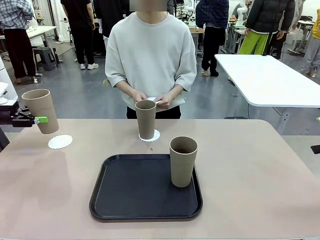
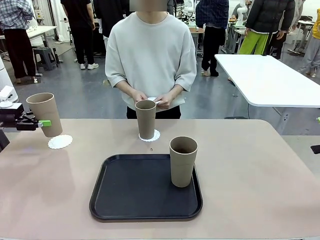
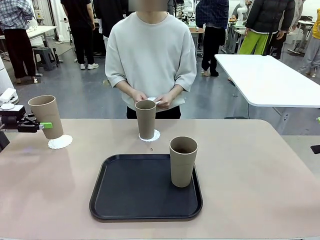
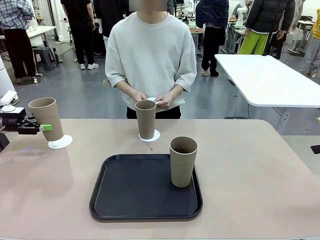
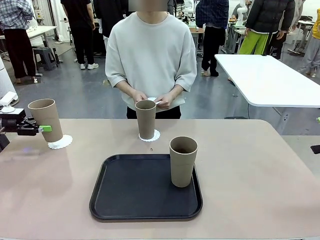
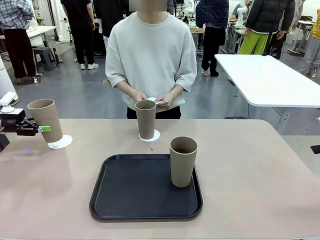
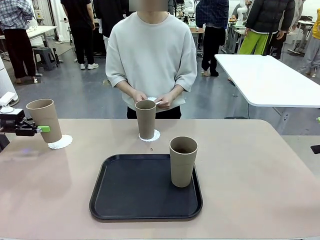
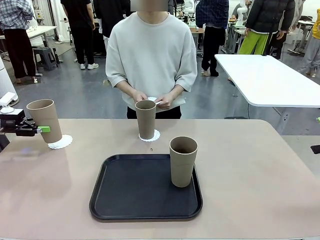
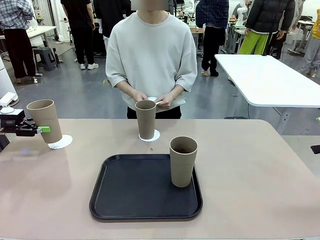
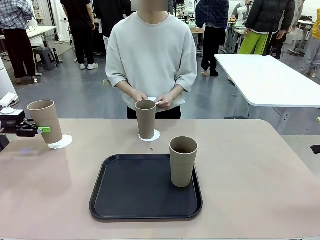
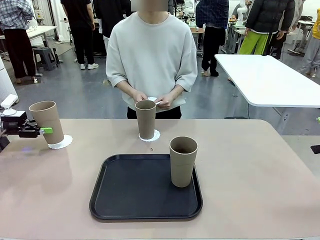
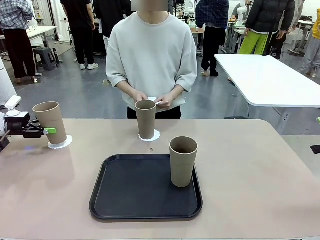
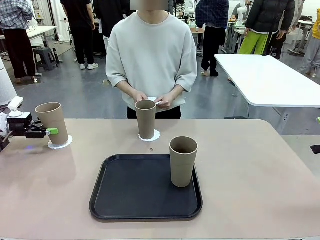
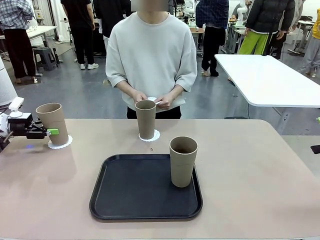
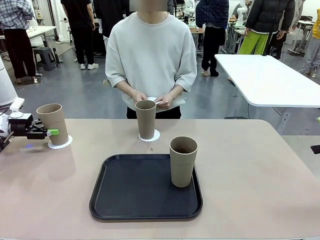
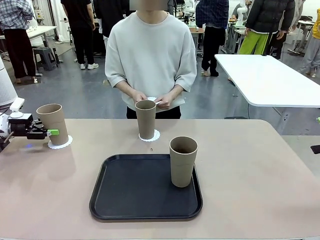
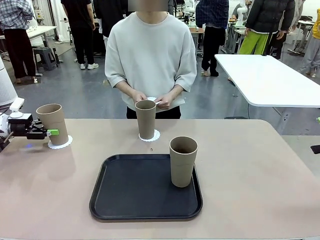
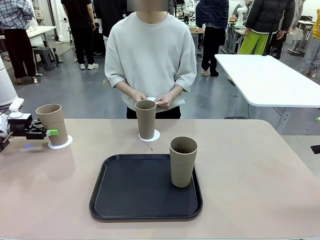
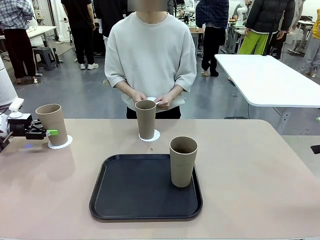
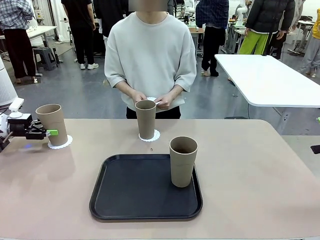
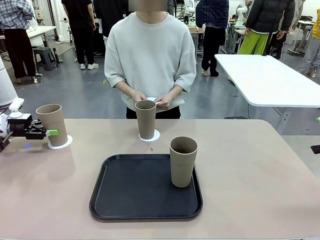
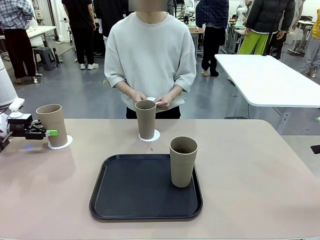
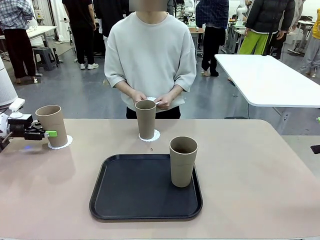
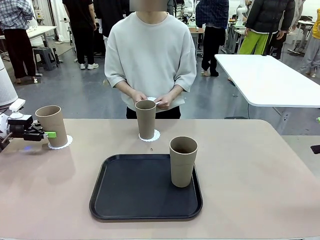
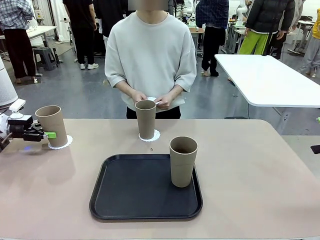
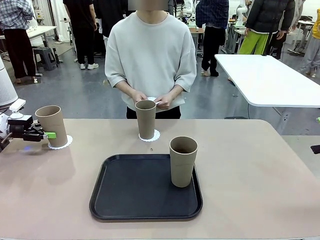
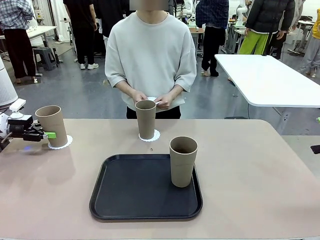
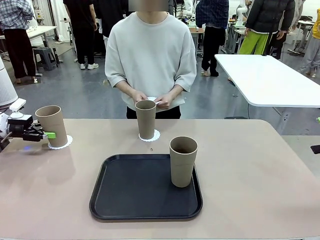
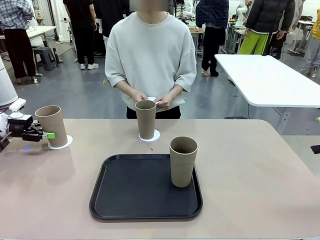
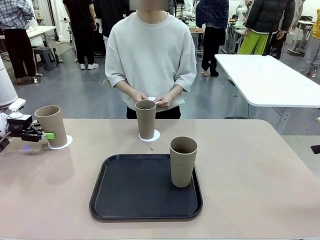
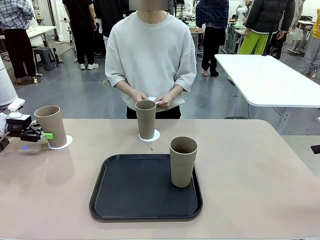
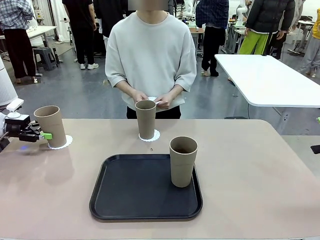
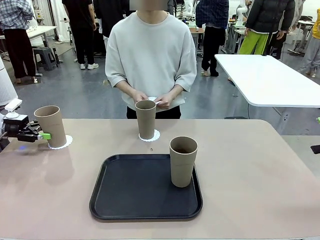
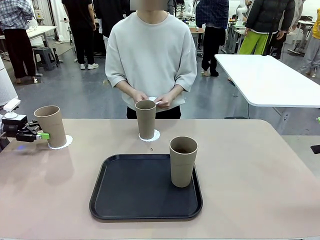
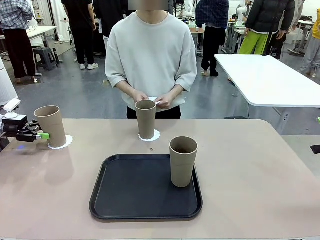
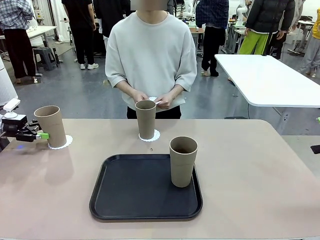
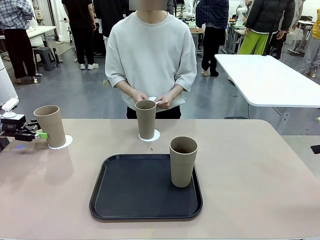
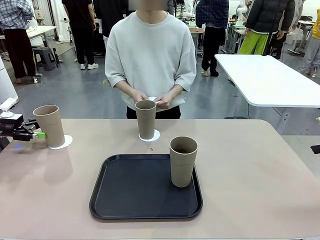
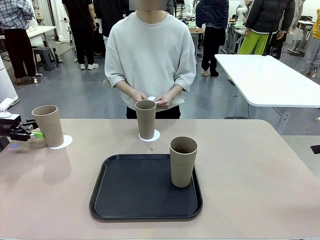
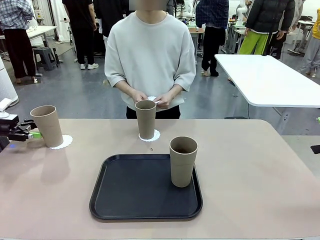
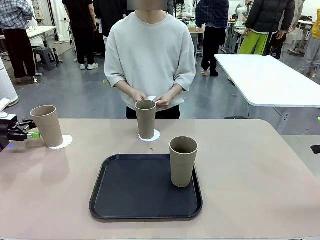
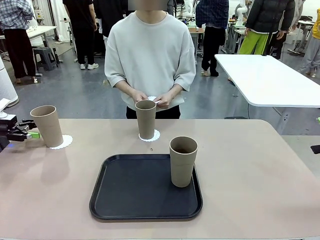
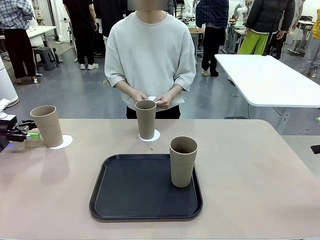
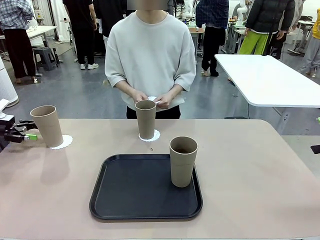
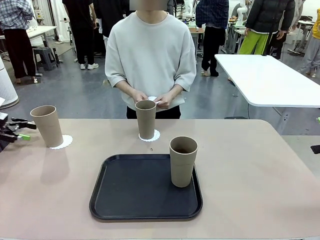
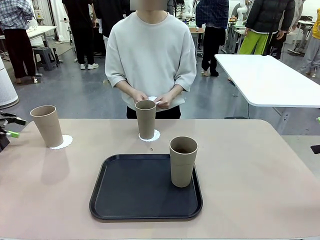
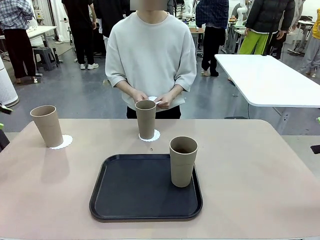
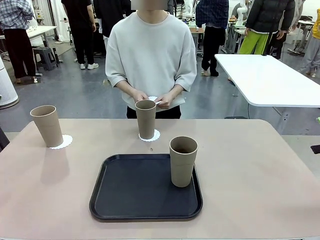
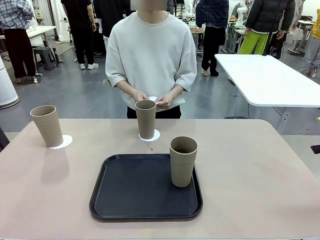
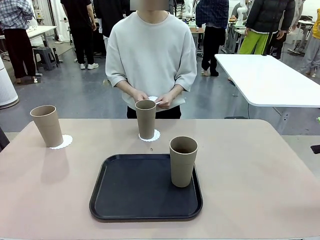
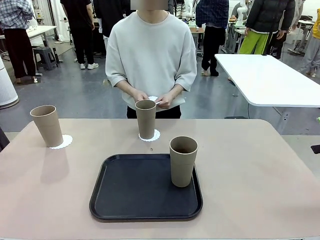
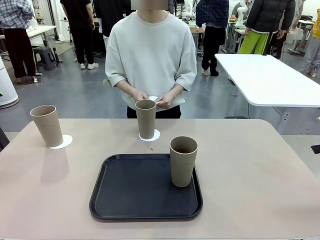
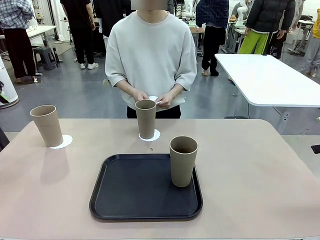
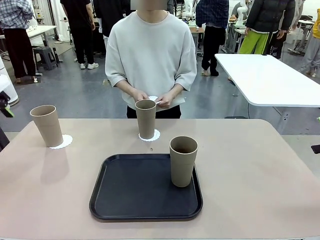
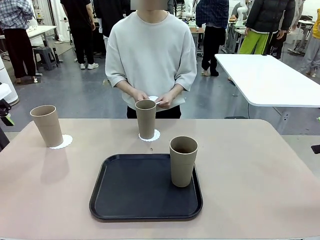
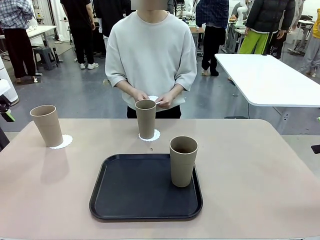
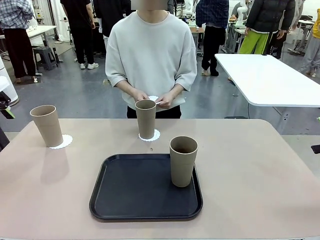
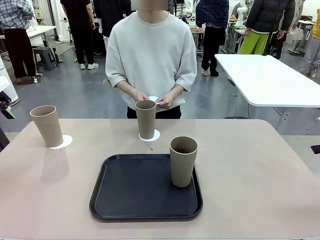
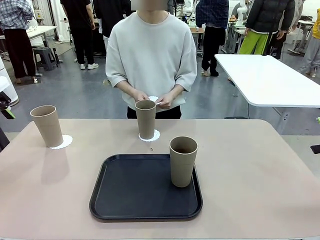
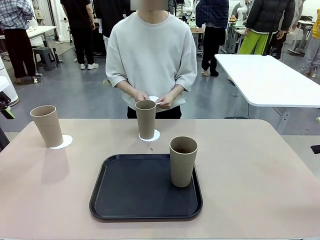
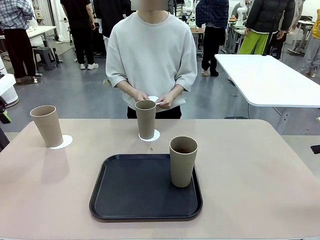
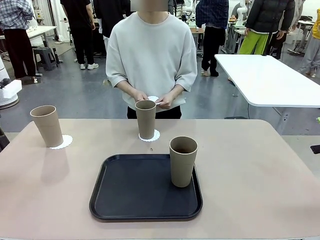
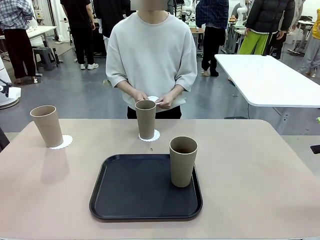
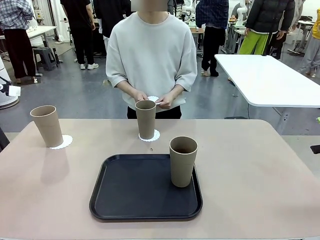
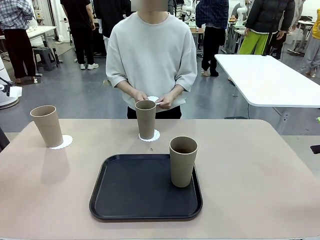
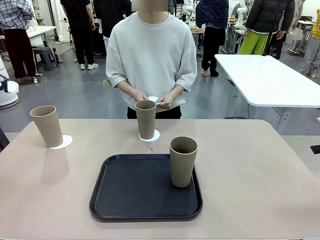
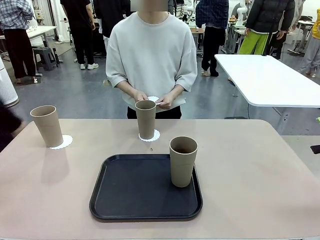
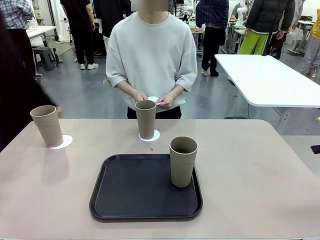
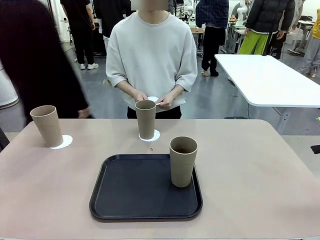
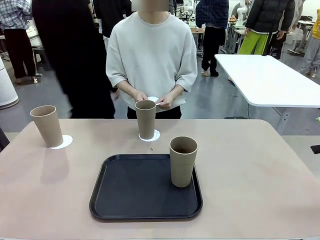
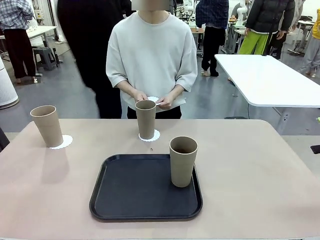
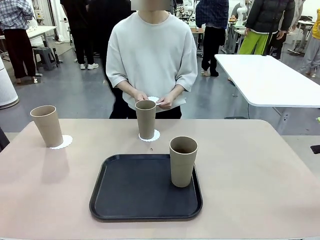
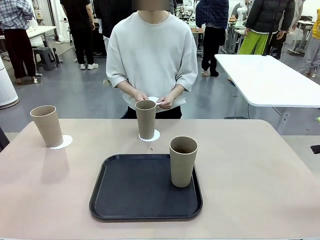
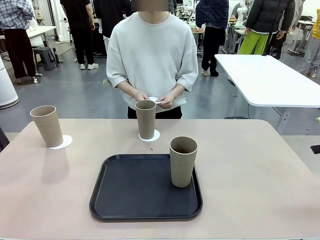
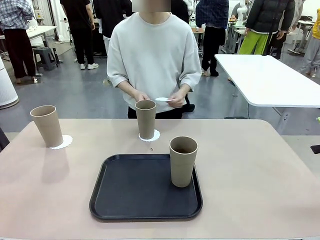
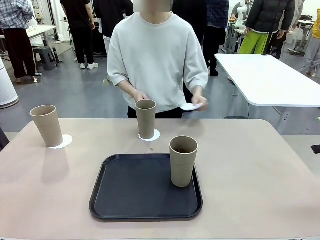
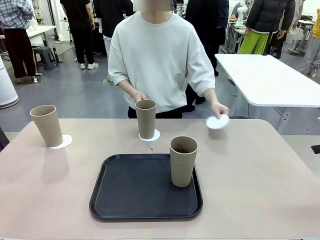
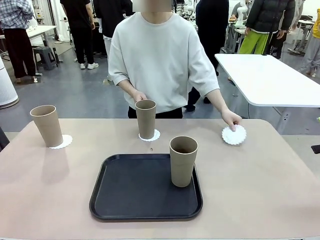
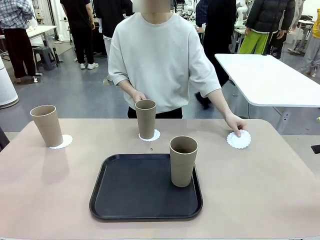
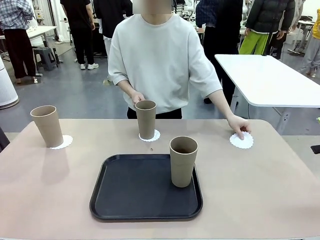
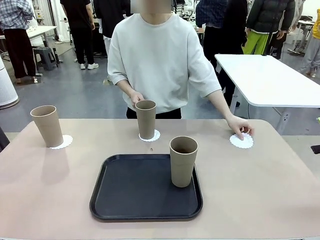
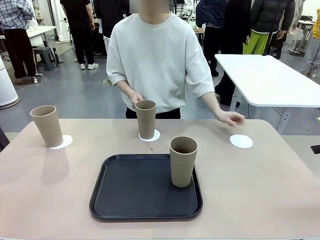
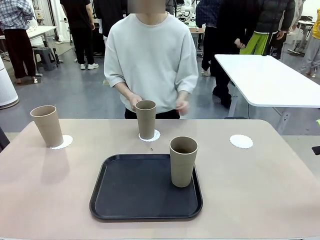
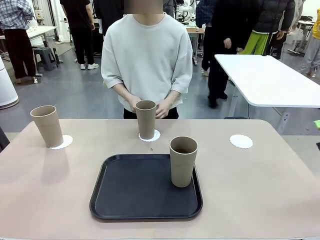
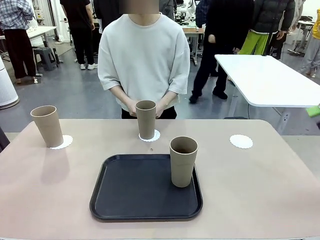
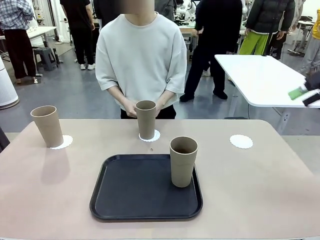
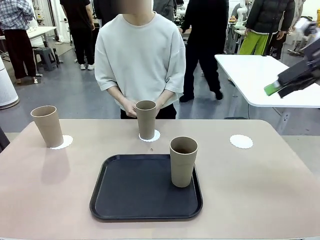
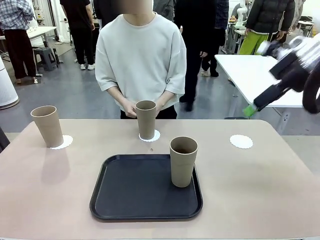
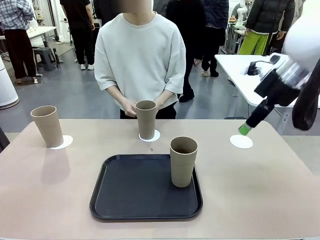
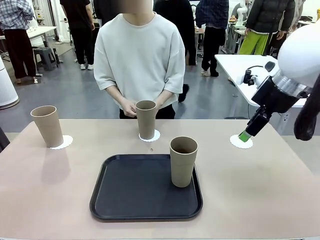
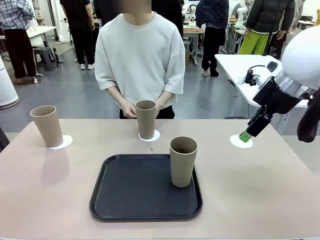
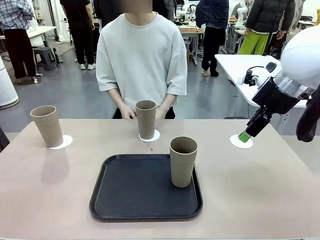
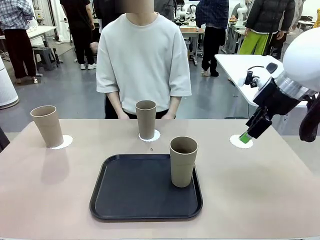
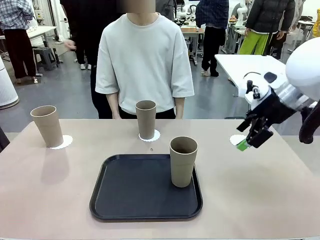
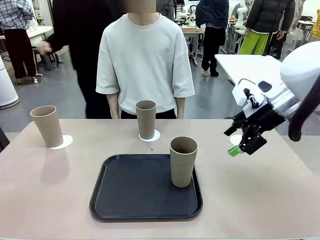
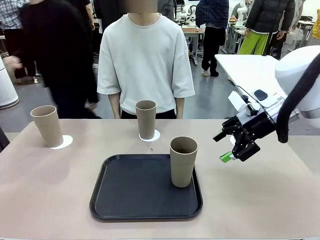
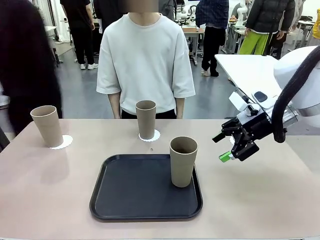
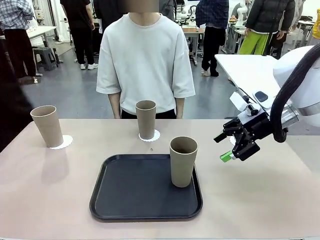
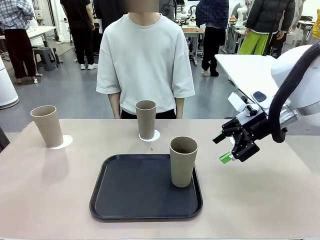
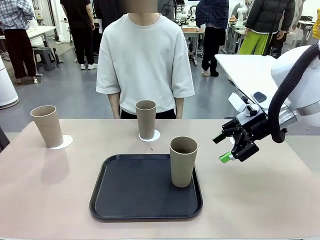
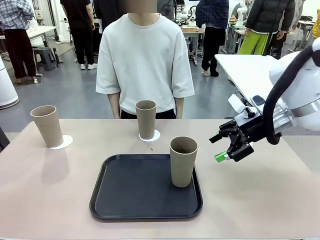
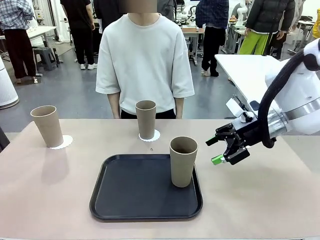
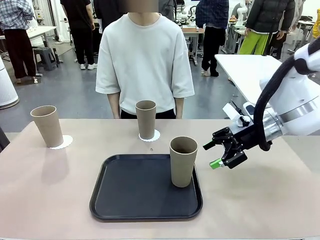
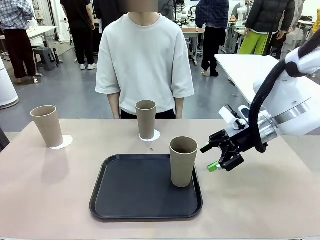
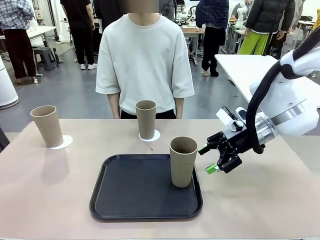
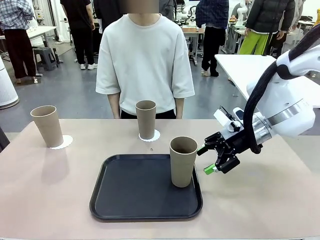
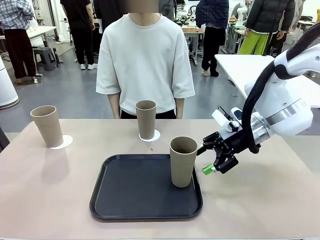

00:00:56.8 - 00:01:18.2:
Task: Place coasters on the table and set cups on them.
Robot: Take one Reusable plastic cup from the Flat Tray and place it on a coaster set by the human.
